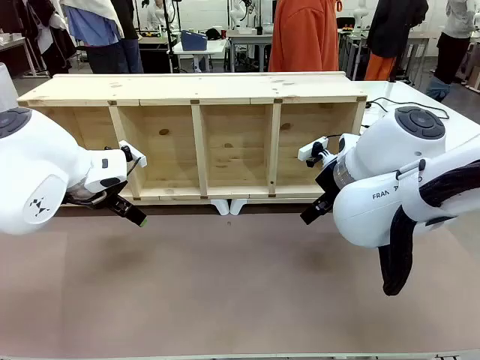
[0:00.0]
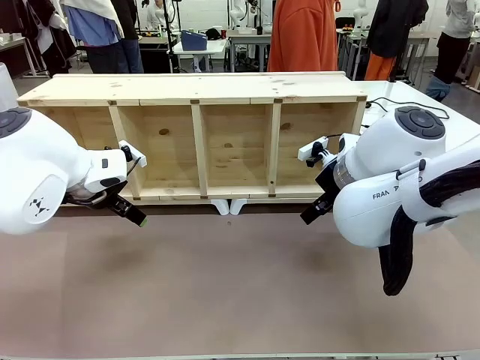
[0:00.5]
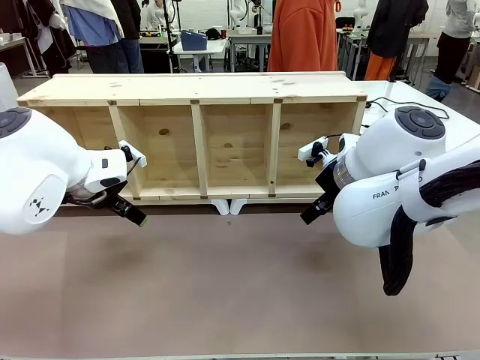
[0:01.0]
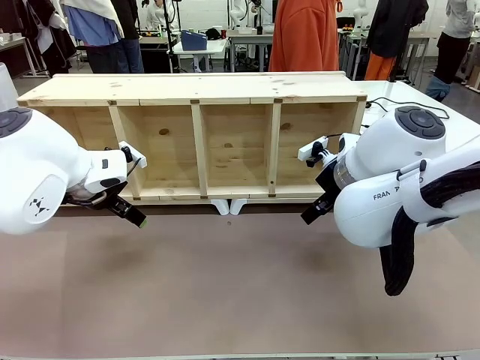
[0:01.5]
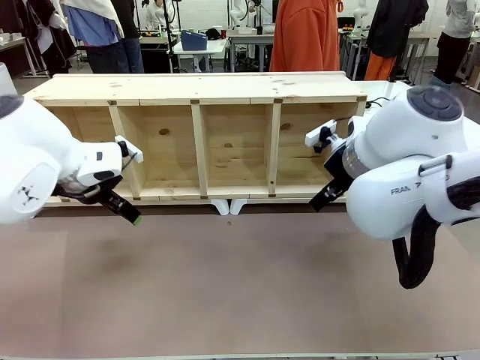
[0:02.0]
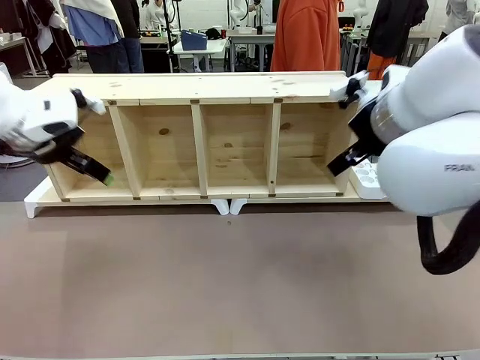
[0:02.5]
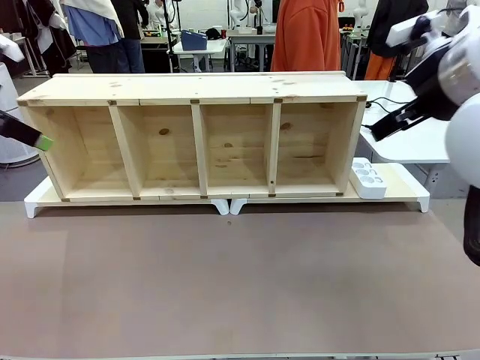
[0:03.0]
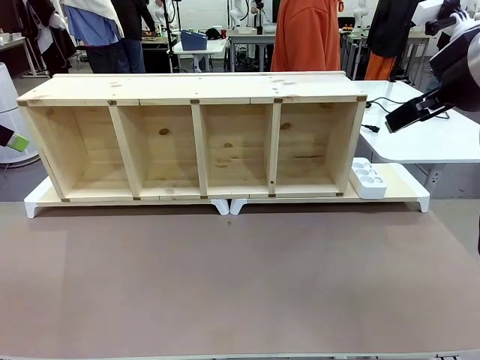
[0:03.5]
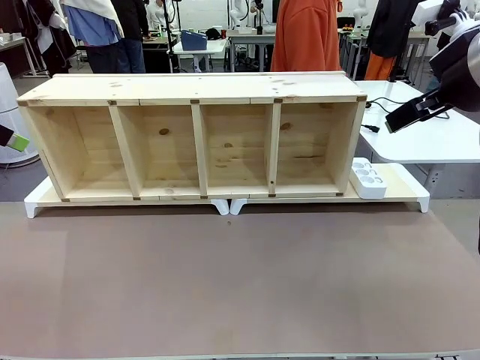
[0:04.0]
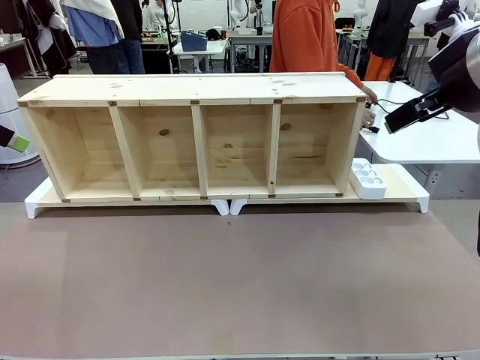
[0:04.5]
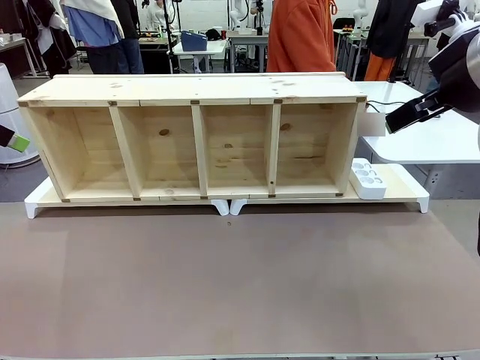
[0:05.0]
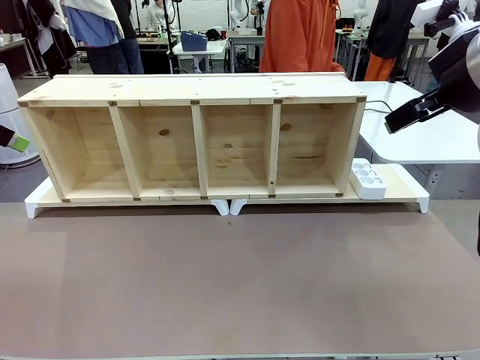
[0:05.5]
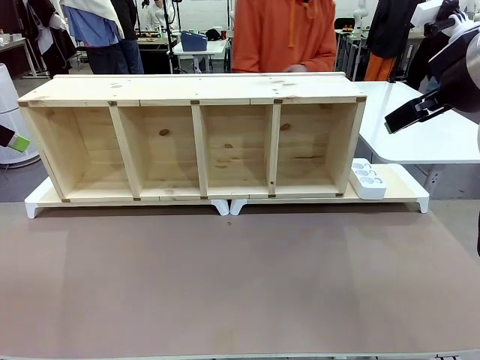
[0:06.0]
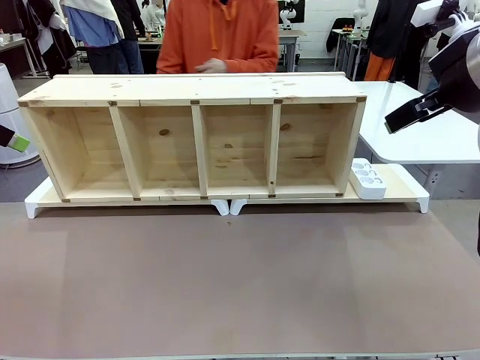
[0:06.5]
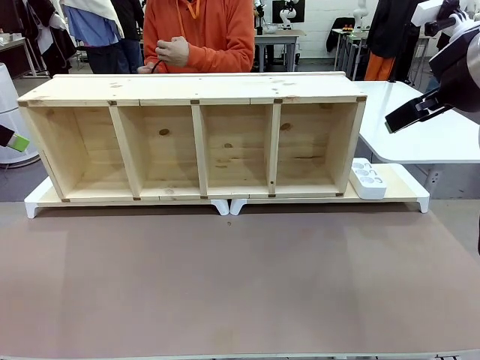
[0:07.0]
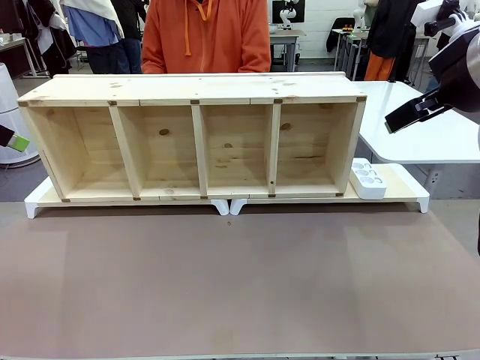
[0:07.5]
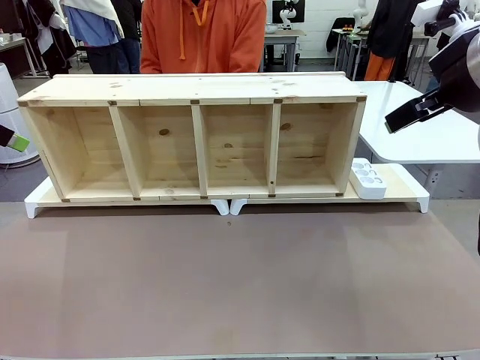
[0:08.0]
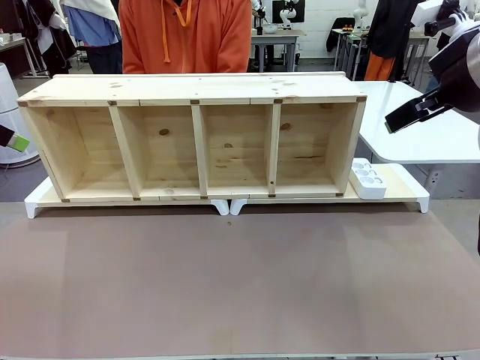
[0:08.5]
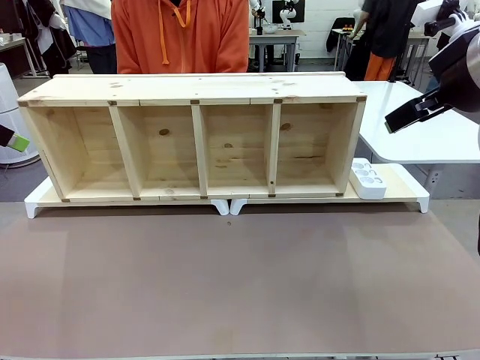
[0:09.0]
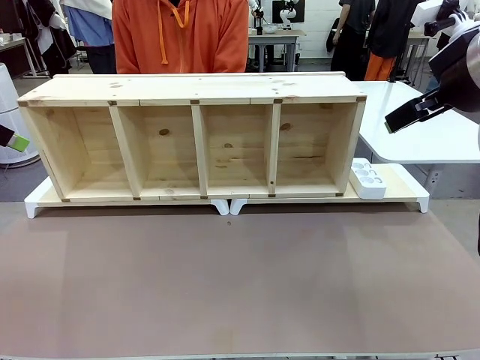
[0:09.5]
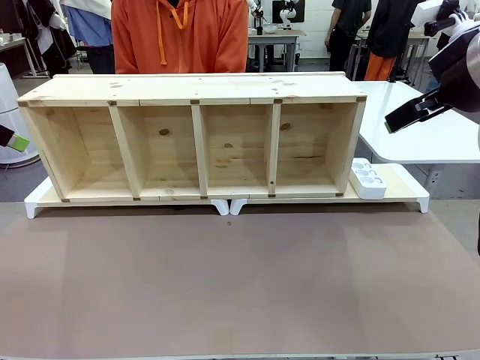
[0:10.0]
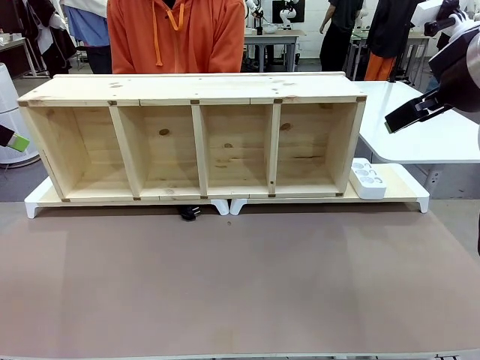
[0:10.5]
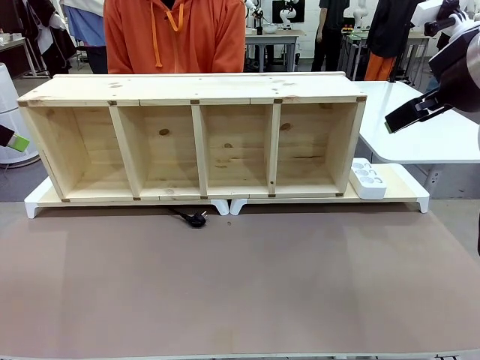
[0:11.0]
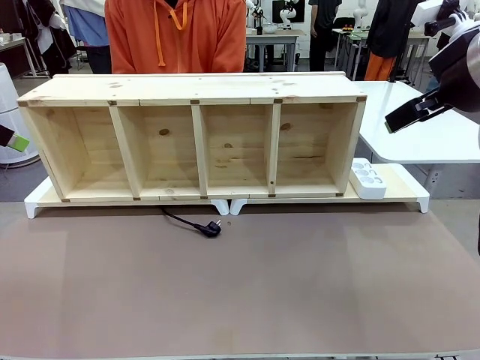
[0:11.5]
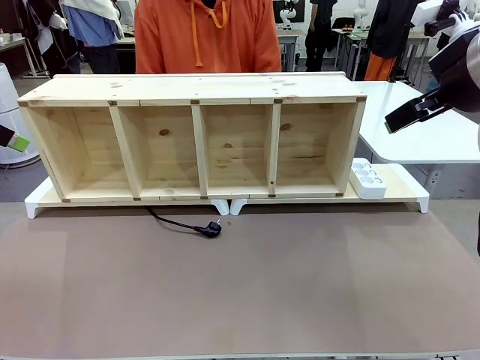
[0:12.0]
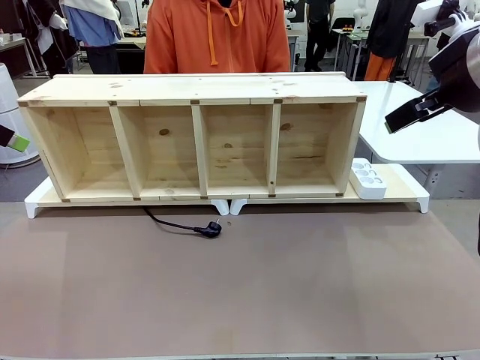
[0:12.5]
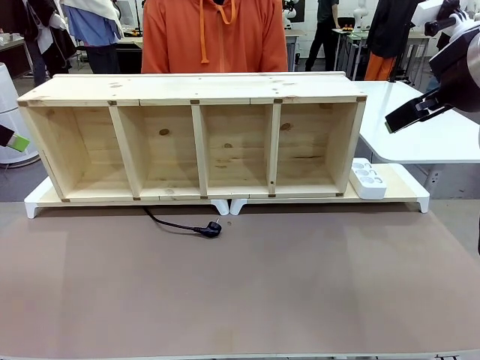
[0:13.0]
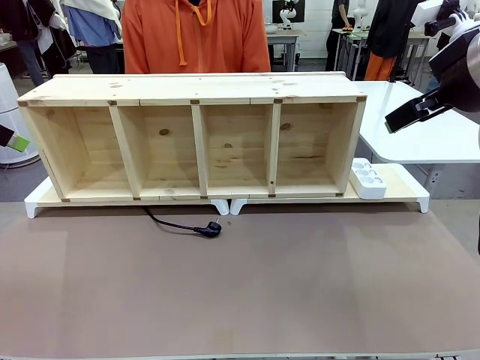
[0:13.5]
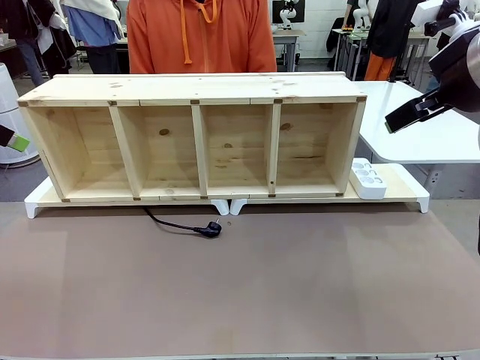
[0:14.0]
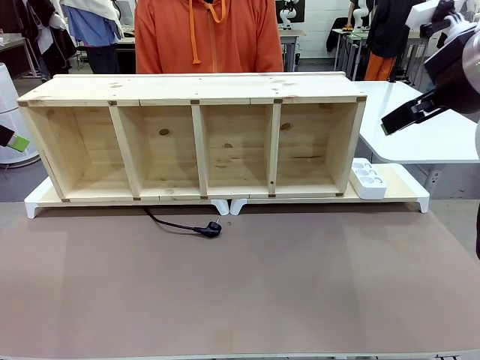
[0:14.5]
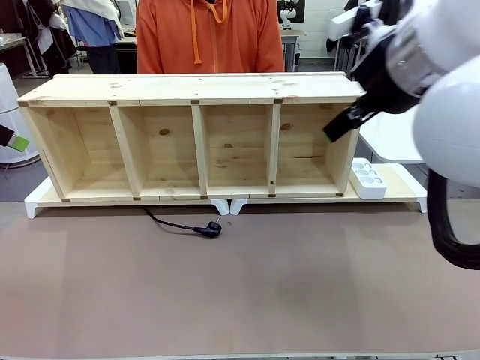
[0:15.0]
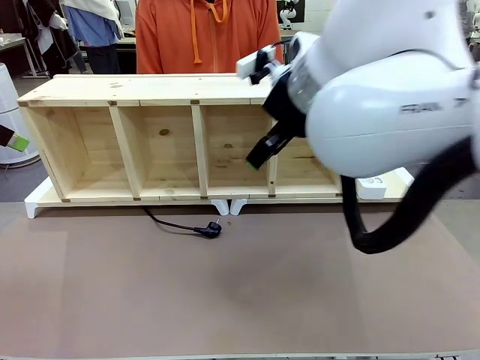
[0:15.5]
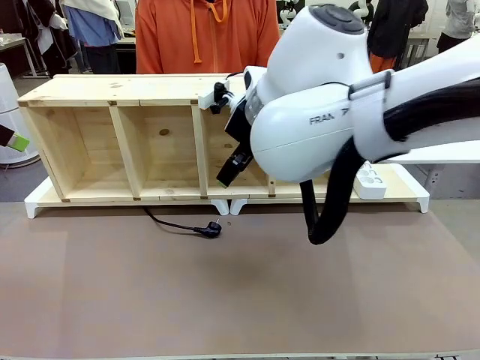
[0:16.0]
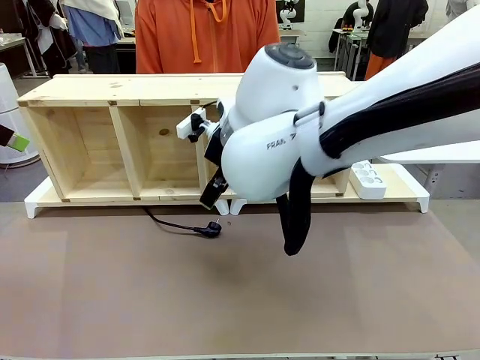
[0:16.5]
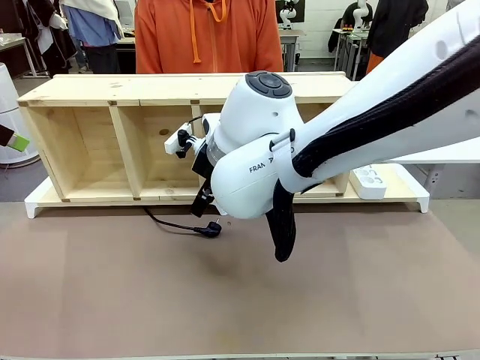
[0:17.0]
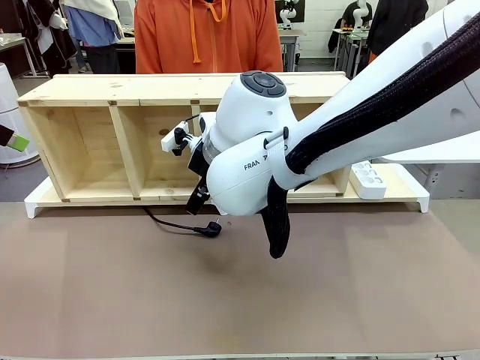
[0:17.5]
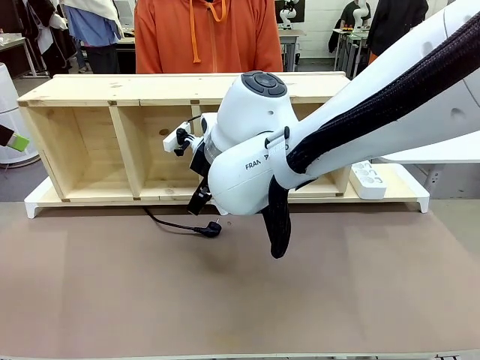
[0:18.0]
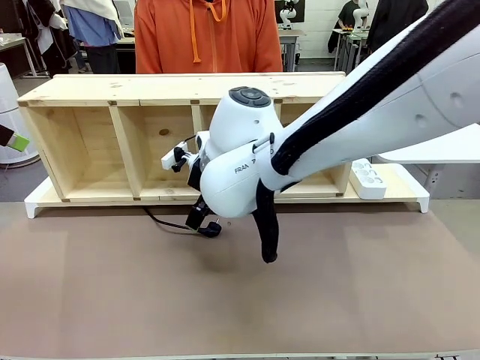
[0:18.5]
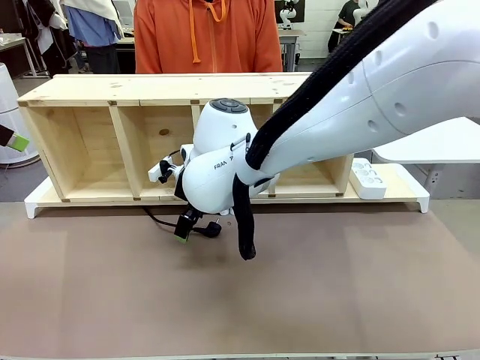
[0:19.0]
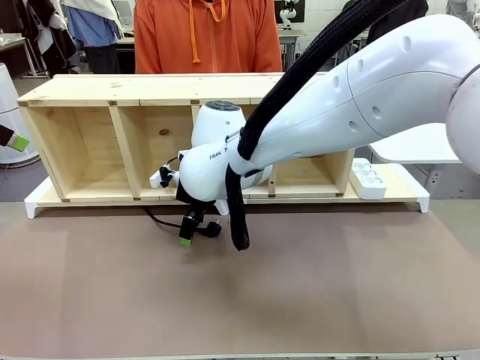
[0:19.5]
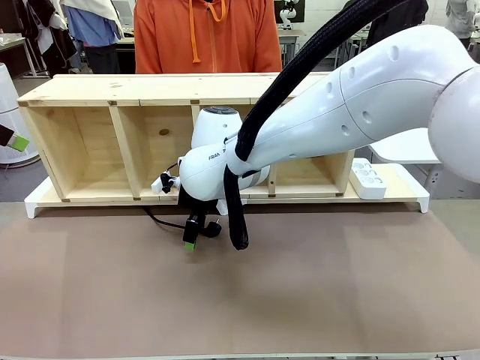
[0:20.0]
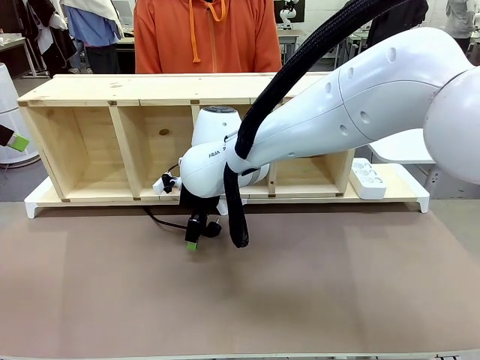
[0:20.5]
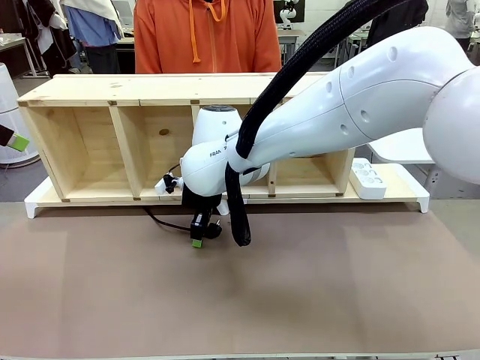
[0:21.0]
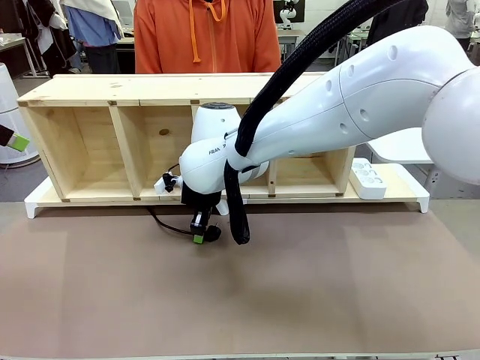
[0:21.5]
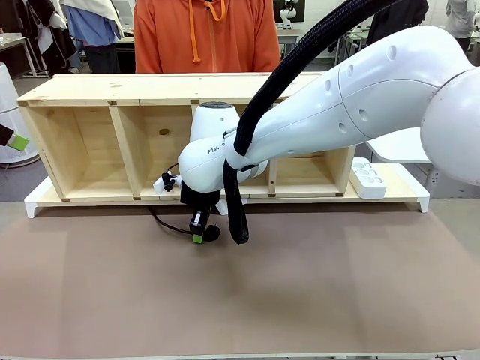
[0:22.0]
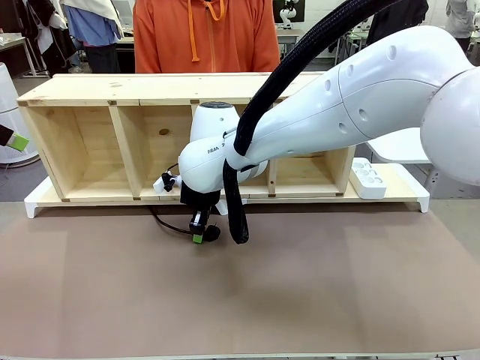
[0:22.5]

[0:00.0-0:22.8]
Task: Perform cable management.
Robot: When the cord part of the Power Cable appears at the lower middle area of the table and stops, grasp the cord part of the Power Cable.
Person: Pass the Power Cable under the Serving Table.

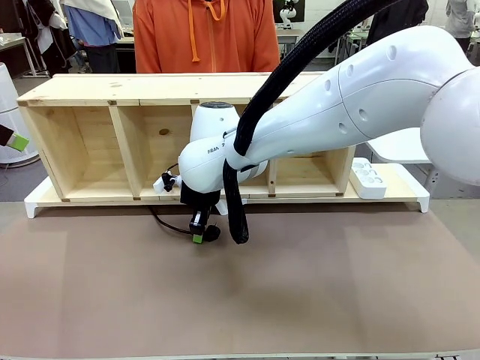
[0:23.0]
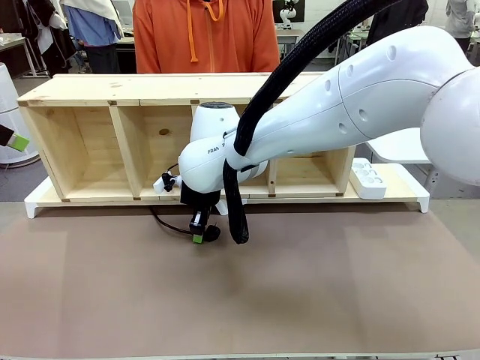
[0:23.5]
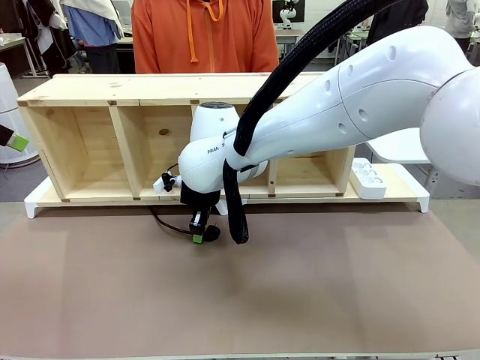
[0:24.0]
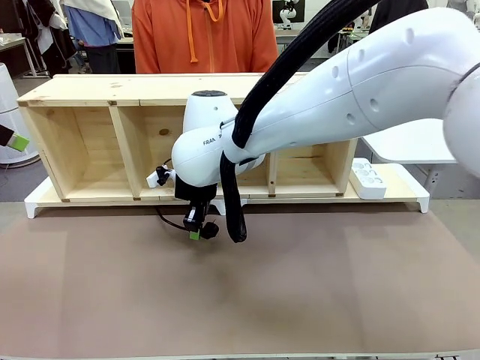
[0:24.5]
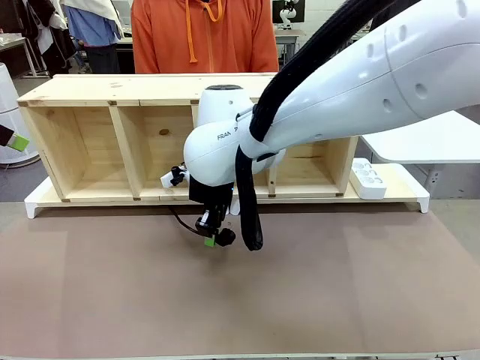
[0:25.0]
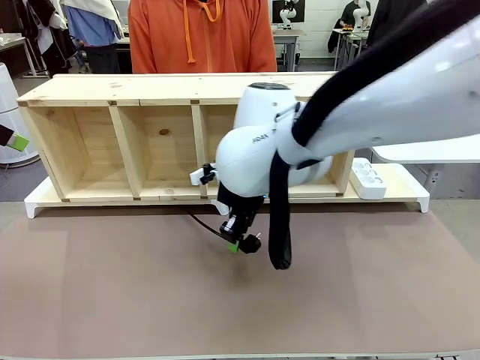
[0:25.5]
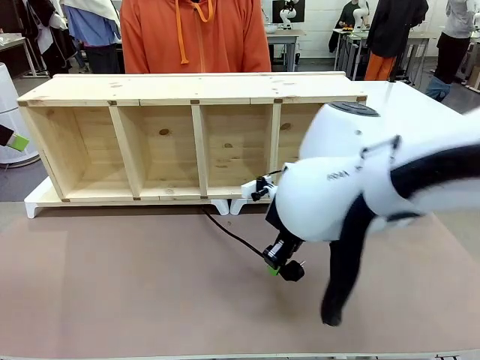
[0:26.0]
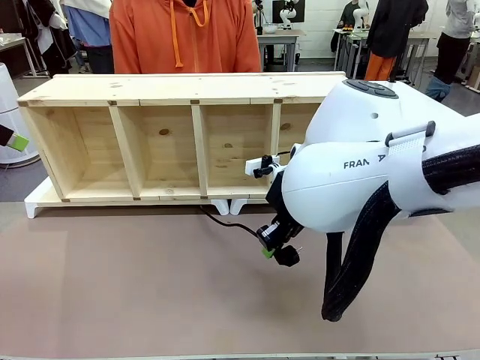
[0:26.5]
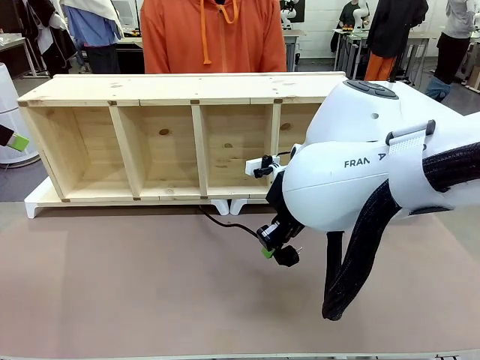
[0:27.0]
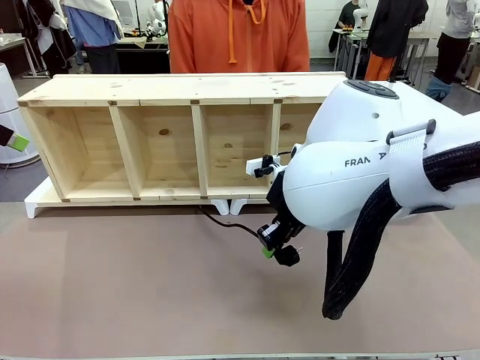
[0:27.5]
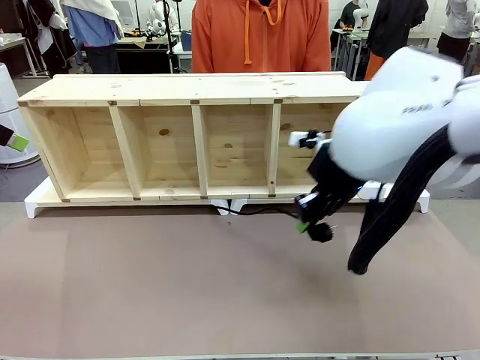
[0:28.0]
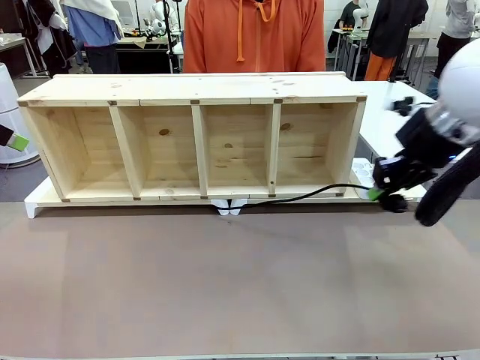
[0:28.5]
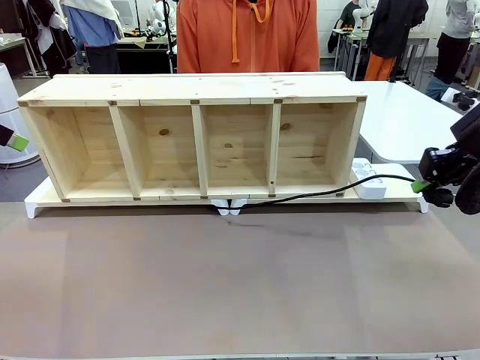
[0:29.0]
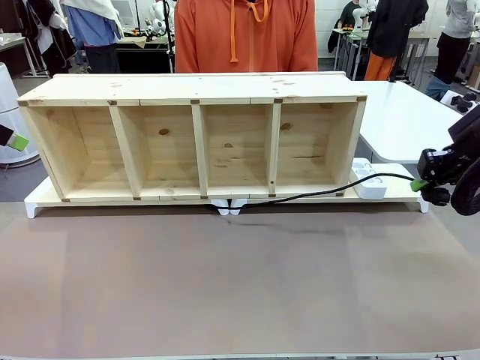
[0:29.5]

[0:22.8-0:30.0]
Robot: Pull the grasped Power Cable to the location of the Power Strip.
